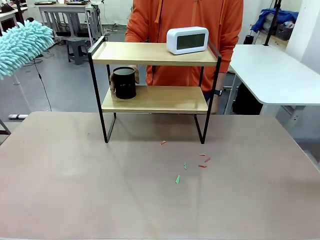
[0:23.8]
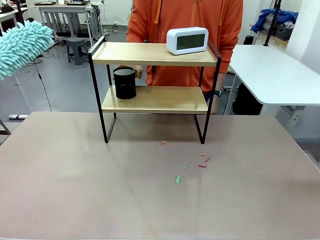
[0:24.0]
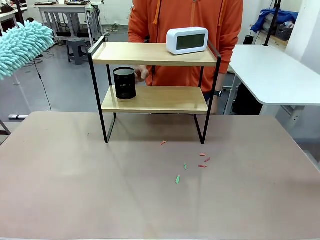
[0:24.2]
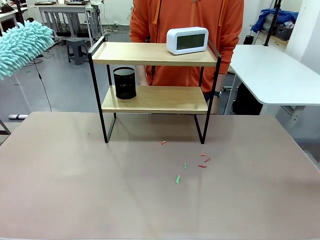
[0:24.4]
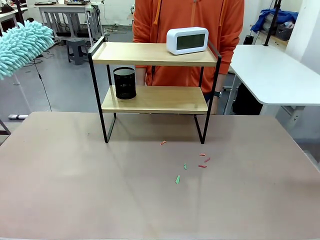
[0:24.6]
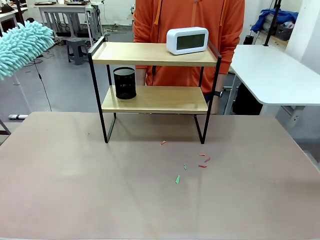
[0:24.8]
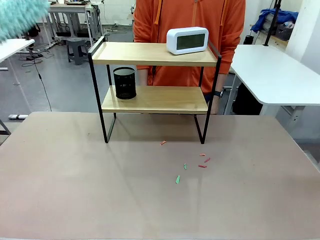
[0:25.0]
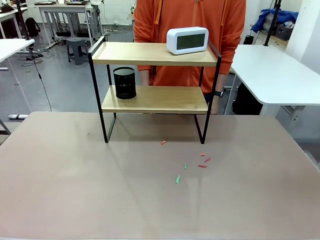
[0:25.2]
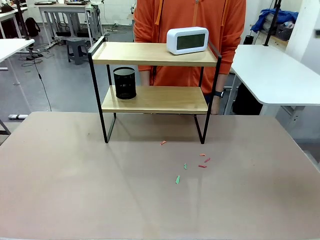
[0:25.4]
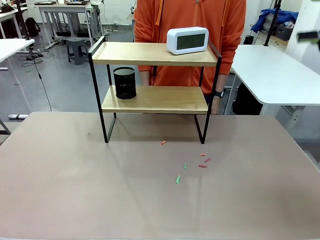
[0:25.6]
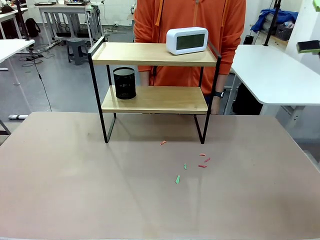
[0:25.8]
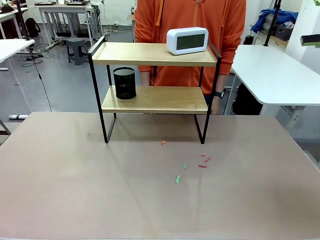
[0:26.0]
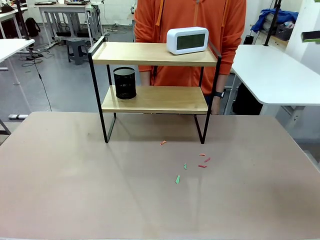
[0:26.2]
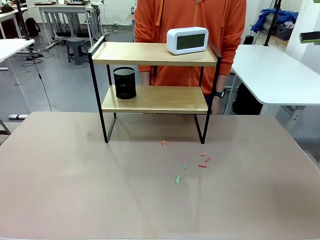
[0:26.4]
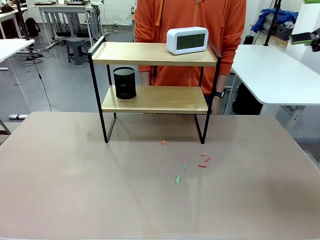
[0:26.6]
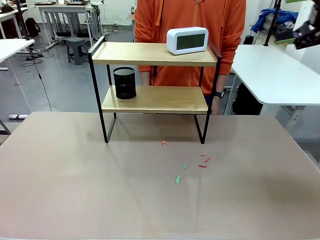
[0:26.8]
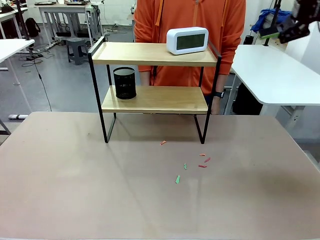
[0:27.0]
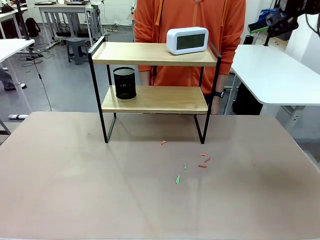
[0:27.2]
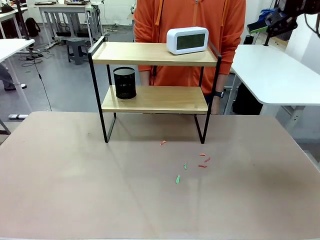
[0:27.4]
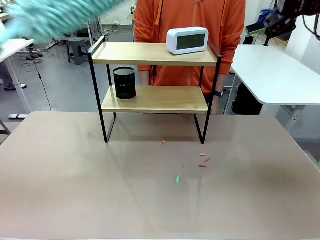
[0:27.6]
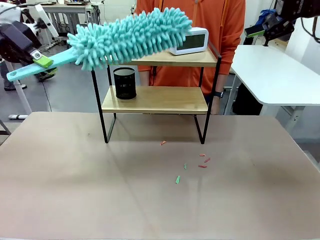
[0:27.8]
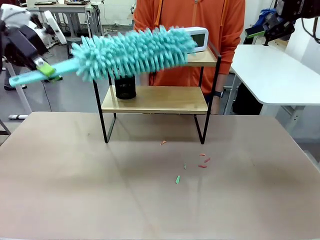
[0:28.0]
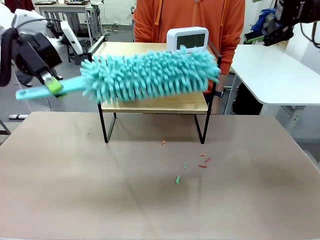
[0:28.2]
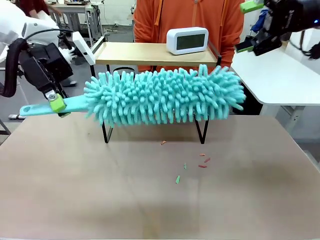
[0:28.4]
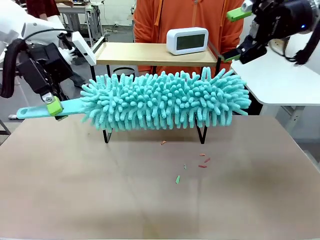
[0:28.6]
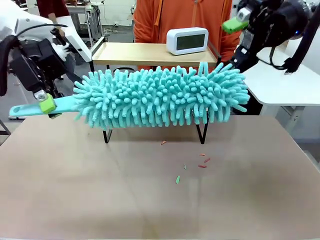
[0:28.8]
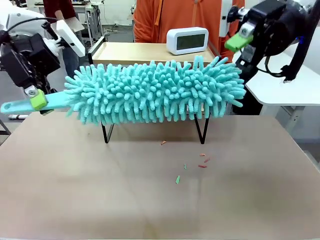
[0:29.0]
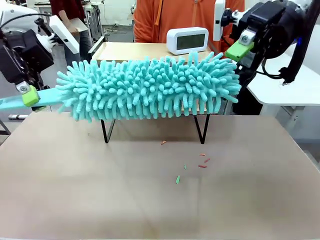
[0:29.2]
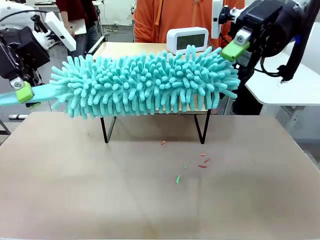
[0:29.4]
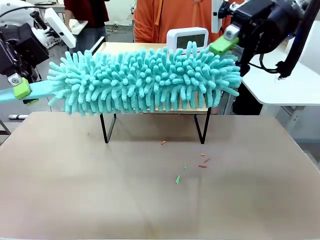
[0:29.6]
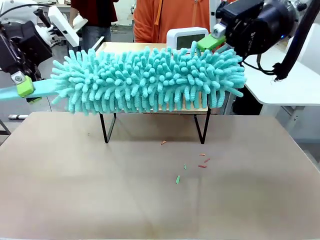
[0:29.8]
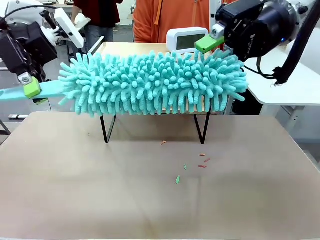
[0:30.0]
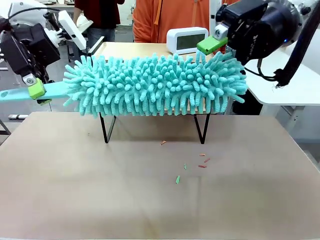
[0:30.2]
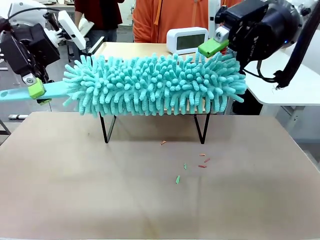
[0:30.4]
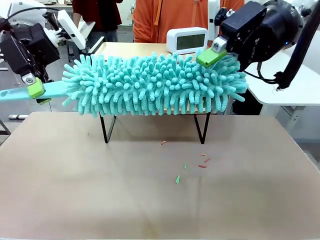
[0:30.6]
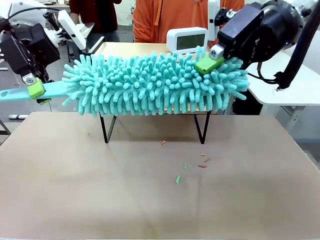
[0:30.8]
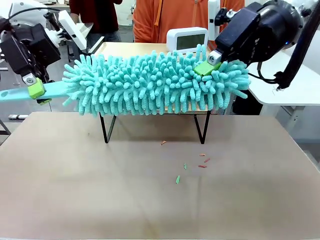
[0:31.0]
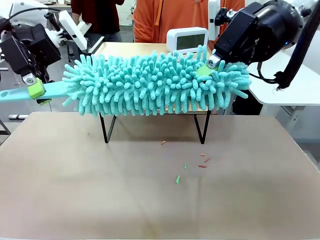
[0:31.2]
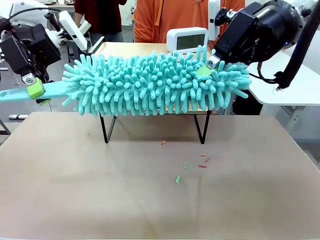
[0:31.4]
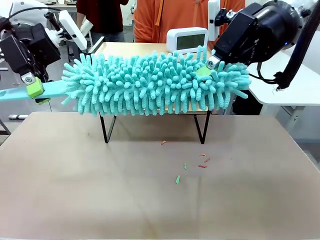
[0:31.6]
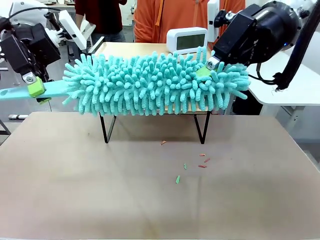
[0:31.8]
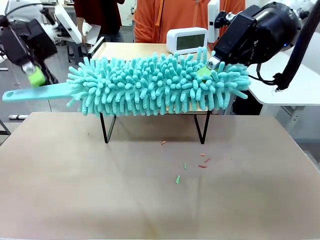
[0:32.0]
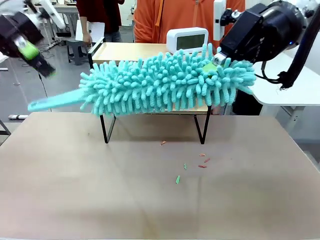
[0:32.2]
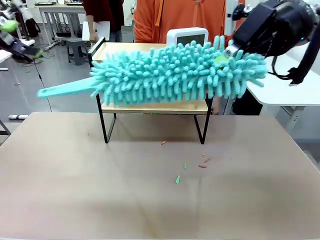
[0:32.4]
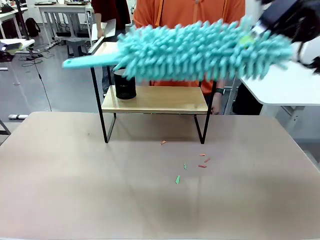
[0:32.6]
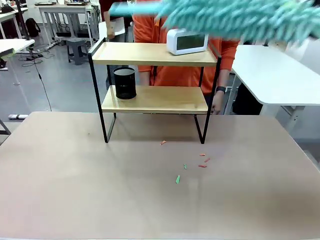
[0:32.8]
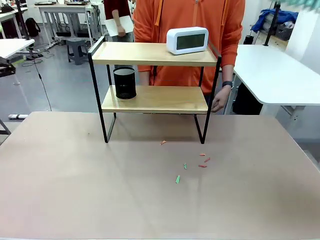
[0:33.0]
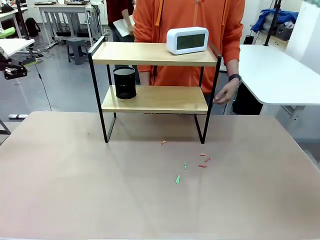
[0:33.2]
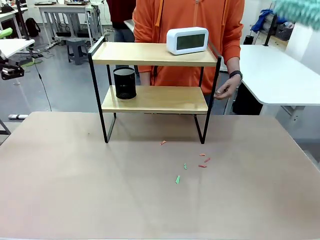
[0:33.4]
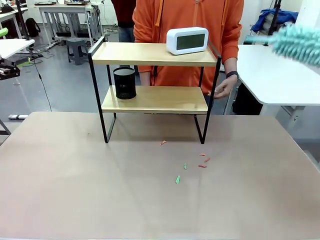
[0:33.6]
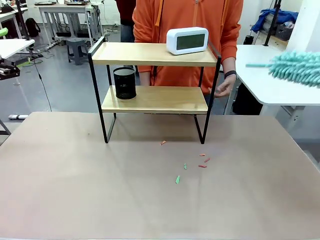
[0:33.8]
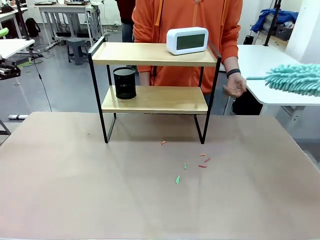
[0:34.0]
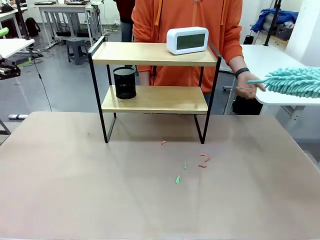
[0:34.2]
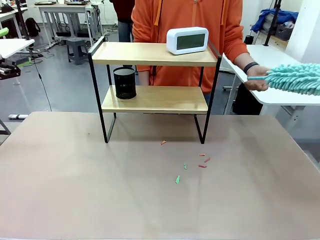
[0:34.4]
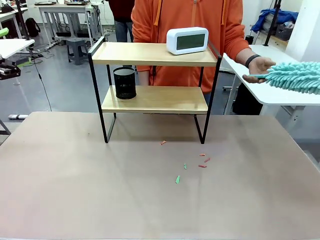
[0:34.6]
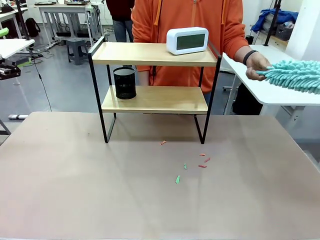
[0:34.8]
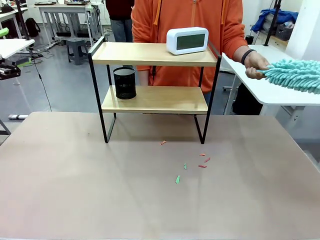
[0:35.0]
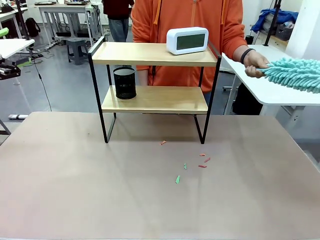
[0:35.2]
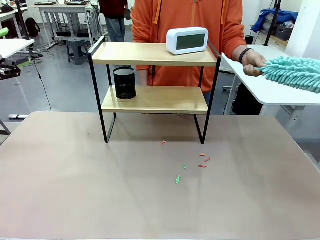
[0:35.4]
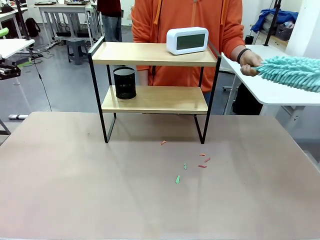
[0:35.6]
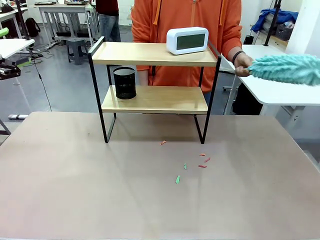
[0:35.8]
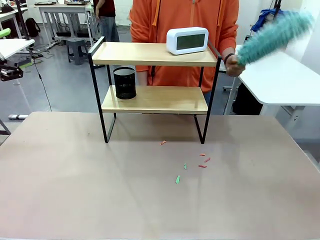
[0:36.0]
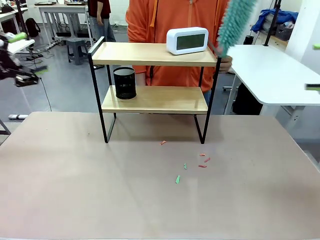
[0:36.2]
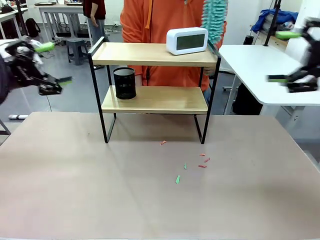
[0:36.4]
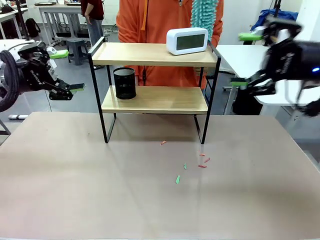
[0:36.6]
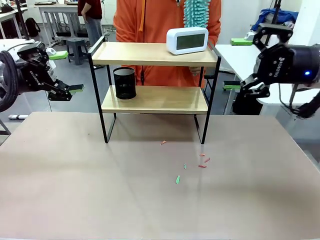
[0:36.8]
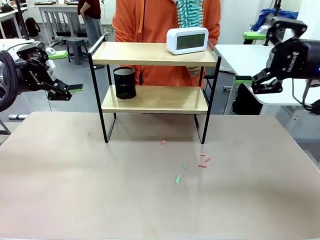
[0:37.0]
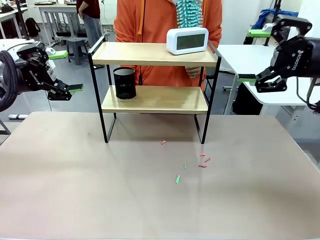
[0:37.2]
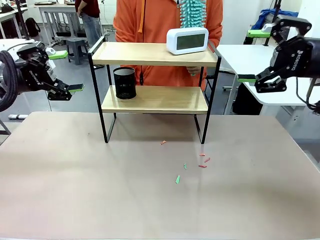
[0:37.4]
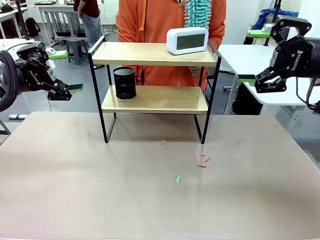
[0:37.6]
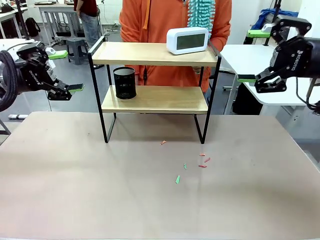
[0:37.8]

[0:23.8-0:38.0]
Task: Clean the shelf.
Robot: Hand the Duster back to the human.
Person: Receive the Duster from the robot.
